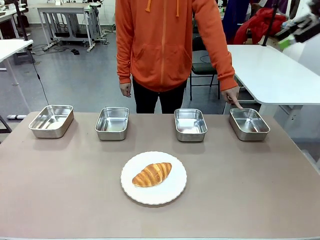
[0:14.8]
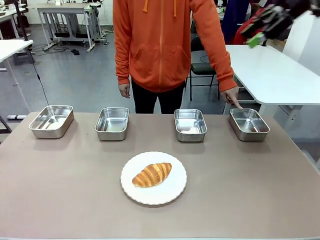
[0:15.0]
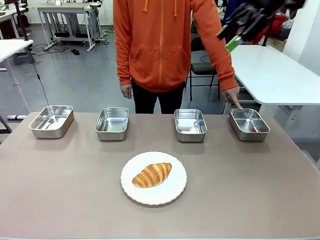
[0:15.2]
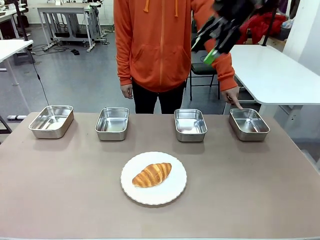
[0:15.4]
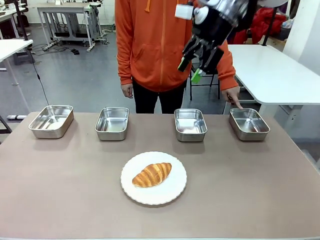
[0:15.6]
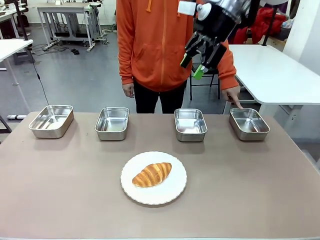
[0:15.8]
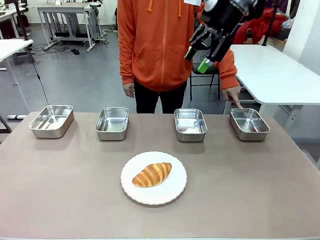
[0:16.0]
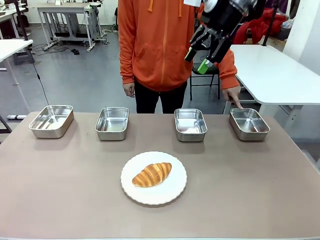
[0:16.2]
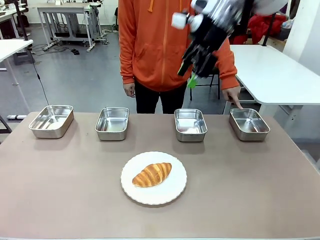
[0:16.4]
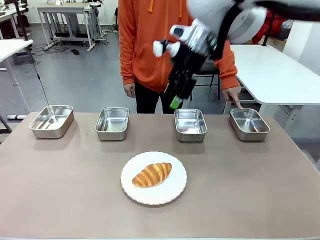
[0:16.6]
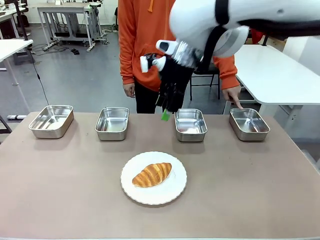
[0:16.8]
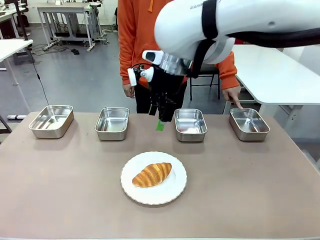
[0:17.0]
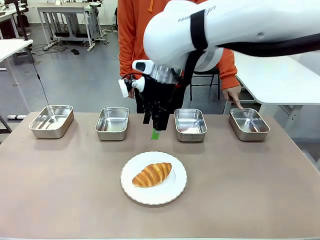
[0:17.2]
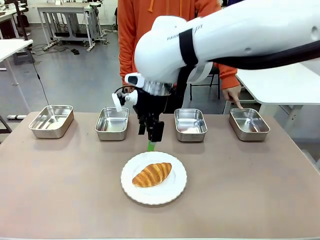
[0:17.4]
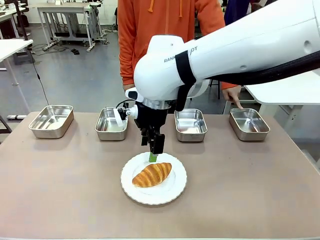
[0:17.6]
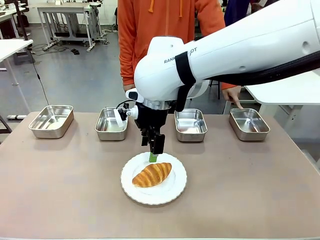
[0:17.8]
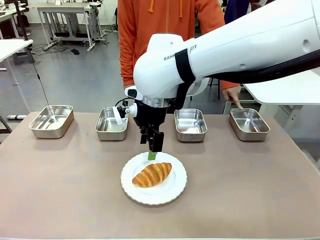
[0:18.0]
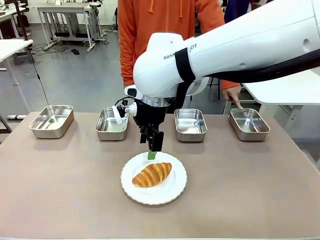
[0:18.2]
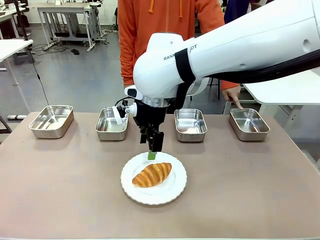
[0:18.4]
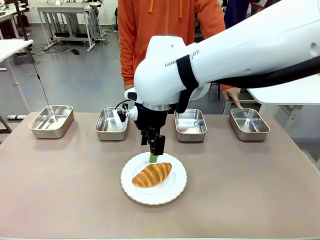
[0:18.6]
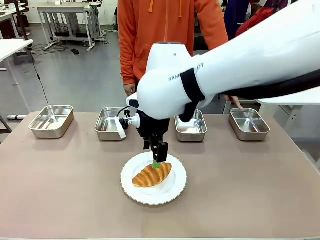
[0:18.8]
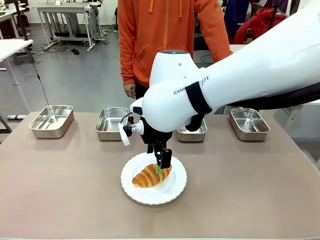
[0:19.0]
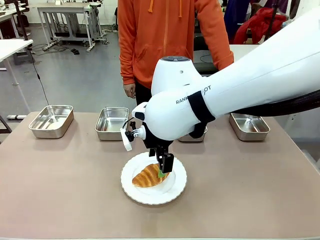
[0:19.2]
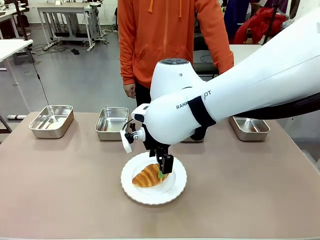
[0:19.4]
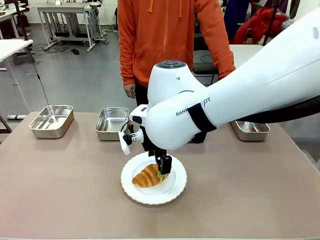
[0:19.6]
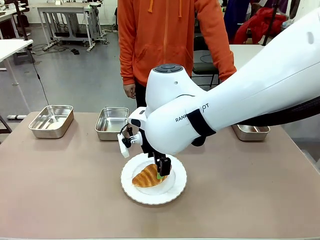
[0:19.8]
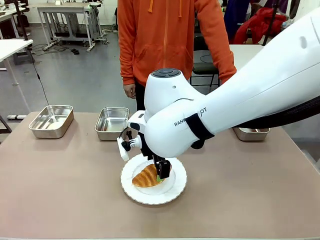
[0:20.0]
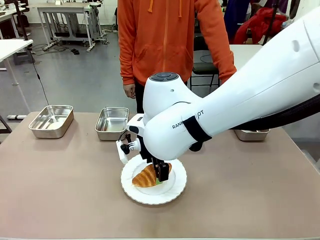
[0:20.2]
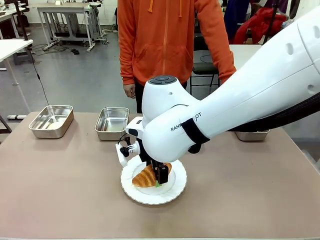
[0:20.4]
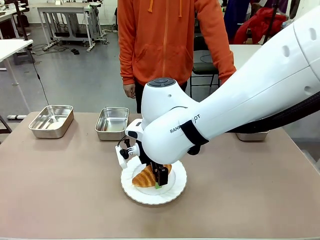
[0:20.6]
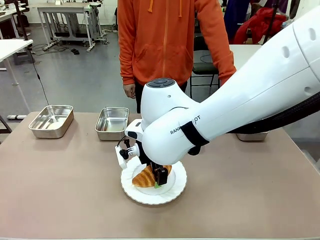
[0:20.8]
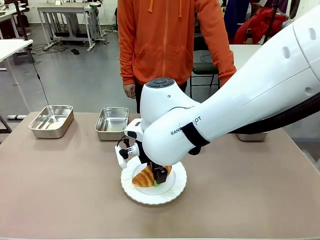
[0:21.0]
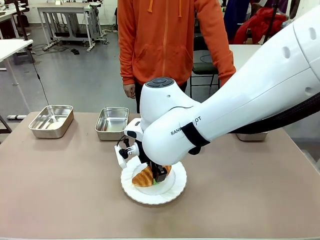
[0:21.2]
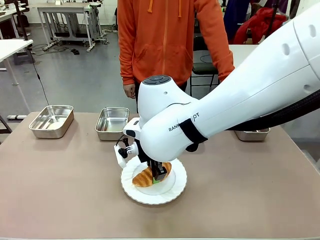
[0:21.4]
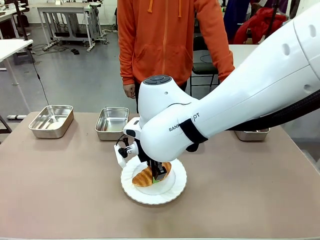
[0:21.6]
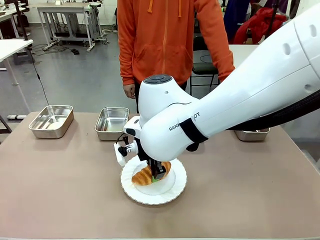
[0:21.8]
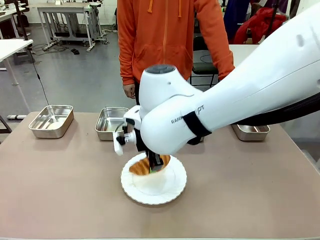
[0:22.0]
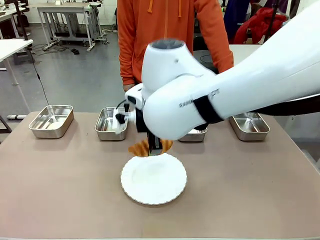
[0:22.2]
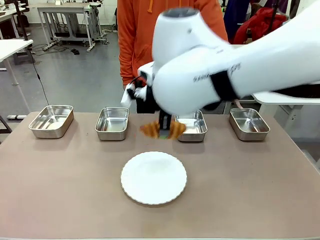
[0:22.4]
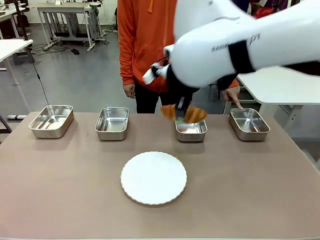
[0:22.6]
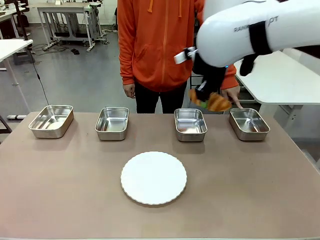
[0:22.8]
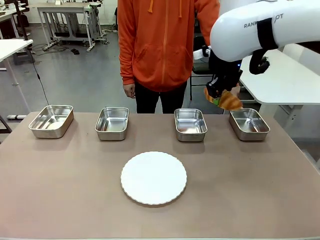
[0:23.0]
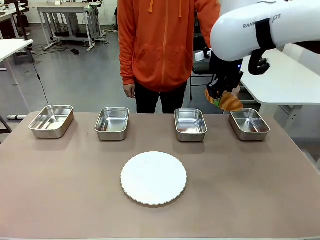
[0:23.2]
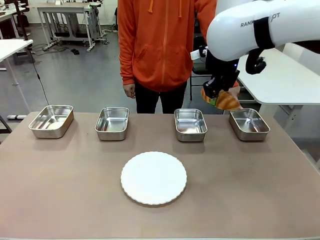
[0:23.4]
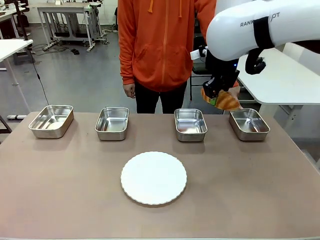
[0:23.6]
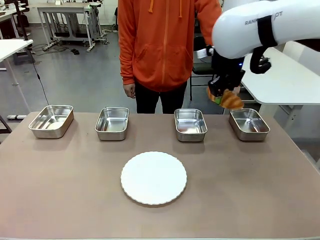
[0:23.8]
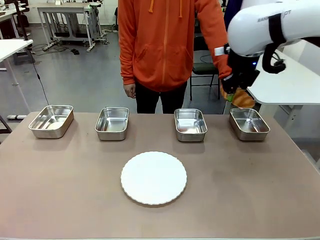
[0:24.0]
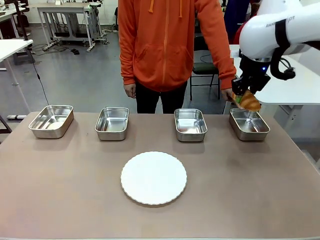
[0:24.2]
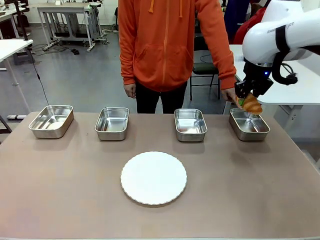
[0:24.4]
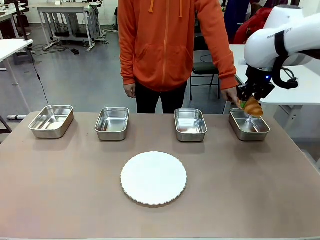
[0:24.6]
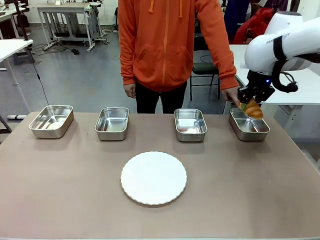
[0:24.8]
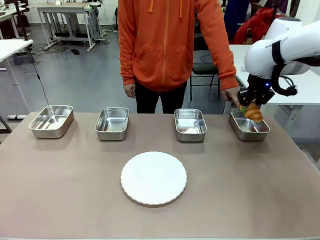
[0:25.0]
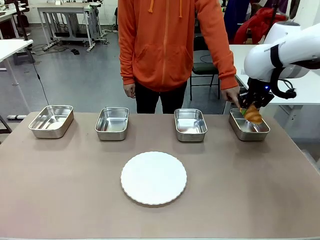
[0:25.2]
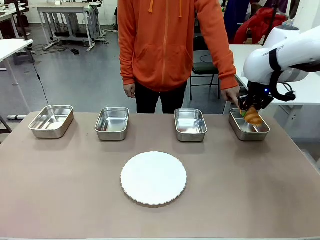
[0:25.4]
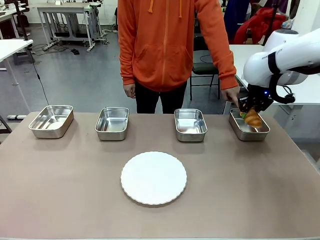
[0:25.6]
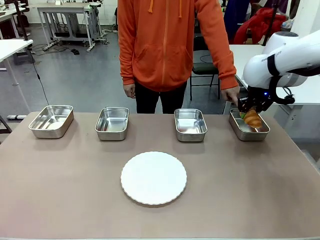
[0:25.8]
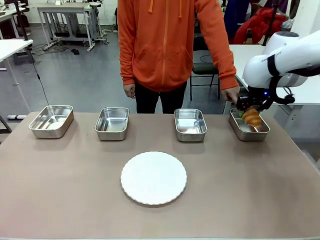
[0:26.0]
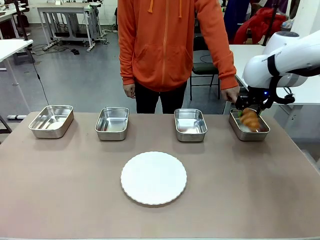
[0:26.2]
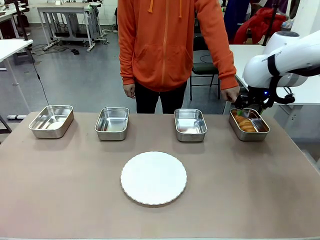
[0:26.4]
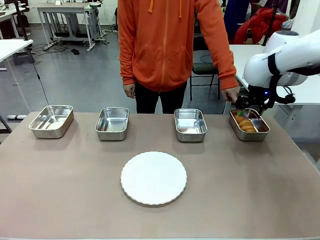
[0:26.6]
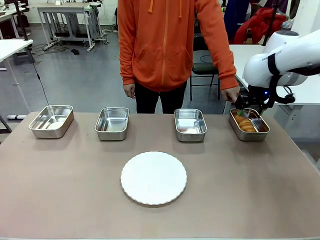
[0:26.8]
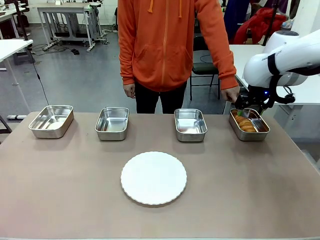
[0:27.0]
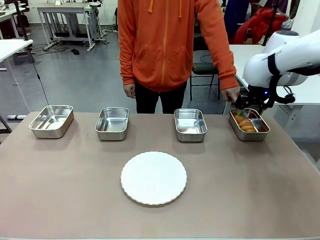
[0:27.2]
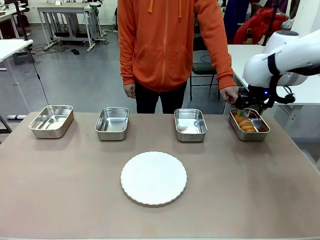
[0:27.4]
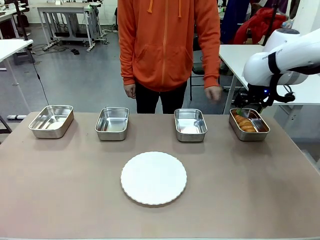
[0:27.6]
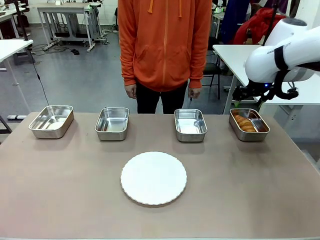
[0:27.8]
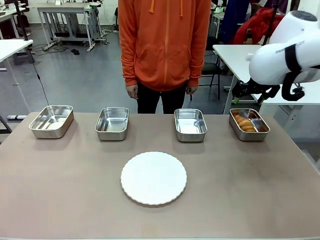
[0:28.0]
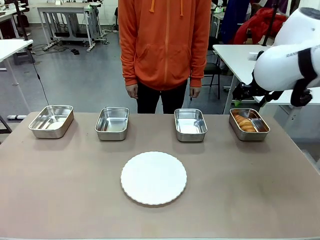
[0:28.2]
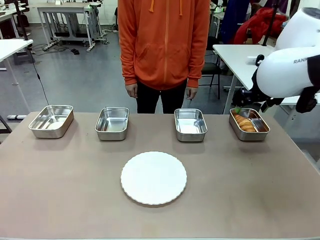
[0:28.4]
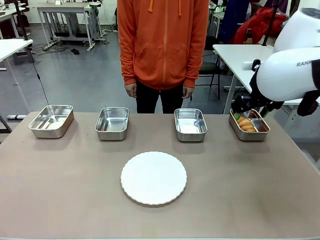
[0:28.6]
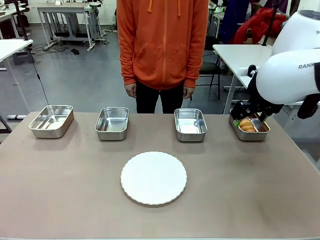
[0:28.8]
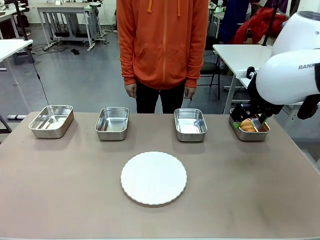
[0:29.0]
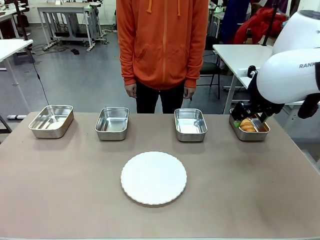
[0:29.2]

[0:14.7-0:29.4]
Task: Place the bread in the container.
Robot: Place the Butter Roll into the Airtight Container indicated by the human.
